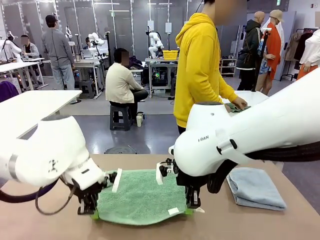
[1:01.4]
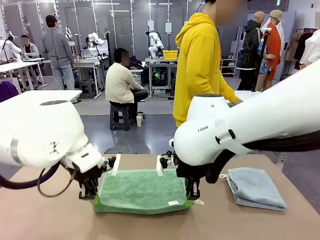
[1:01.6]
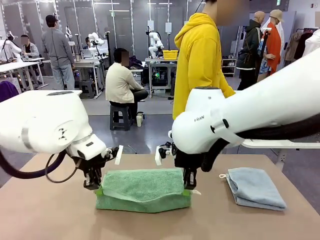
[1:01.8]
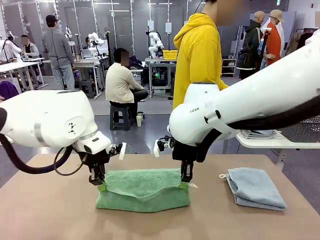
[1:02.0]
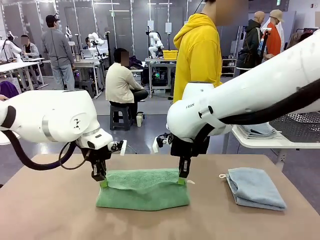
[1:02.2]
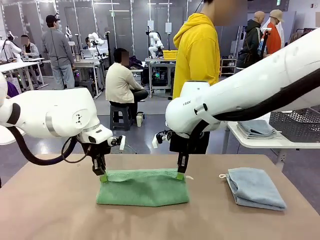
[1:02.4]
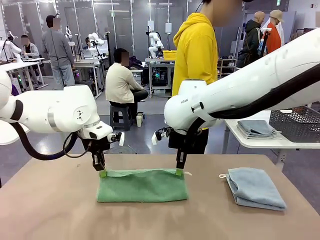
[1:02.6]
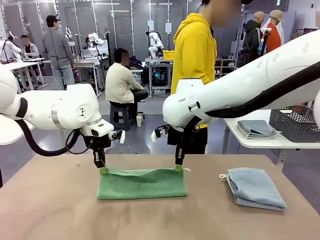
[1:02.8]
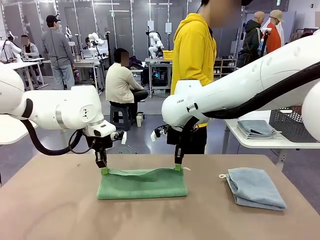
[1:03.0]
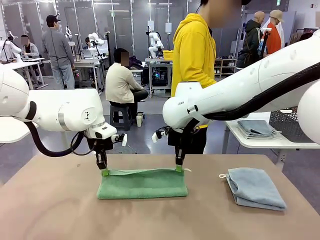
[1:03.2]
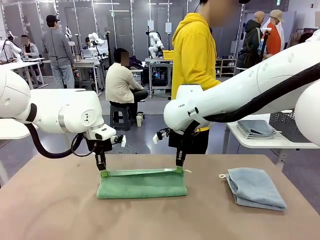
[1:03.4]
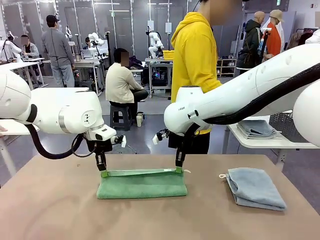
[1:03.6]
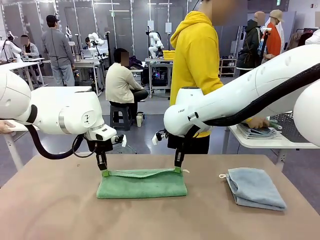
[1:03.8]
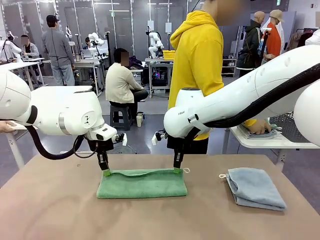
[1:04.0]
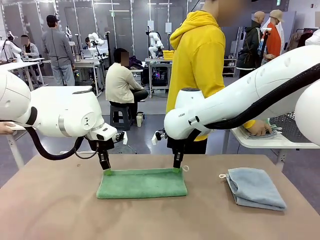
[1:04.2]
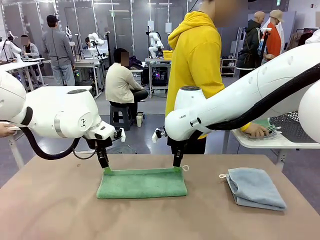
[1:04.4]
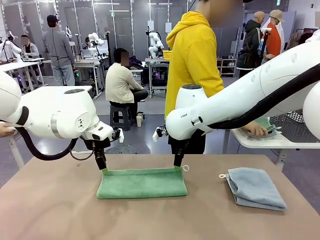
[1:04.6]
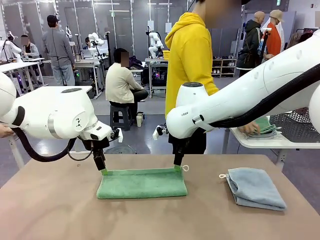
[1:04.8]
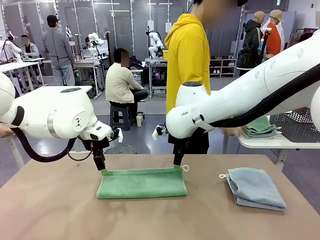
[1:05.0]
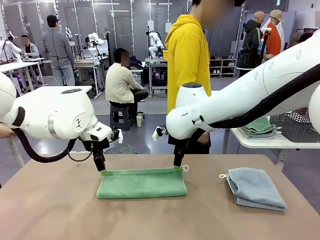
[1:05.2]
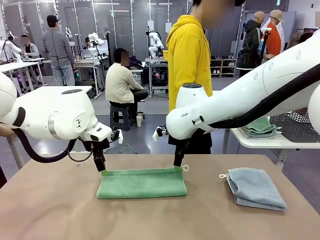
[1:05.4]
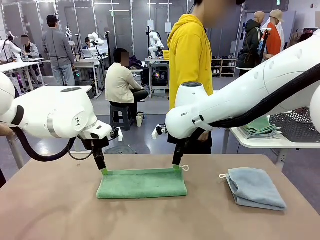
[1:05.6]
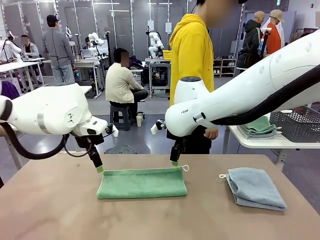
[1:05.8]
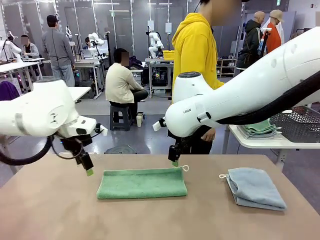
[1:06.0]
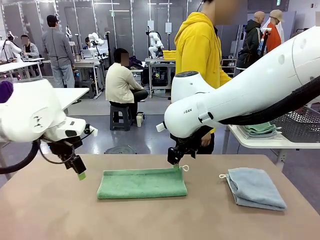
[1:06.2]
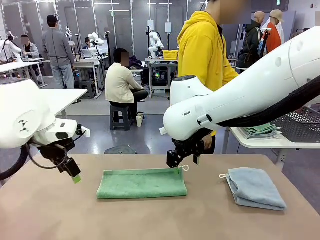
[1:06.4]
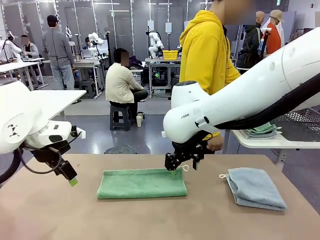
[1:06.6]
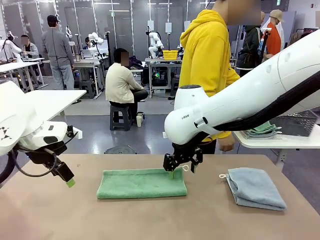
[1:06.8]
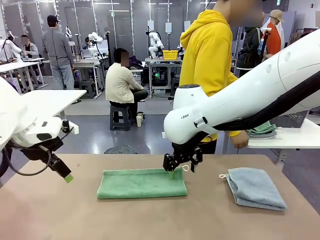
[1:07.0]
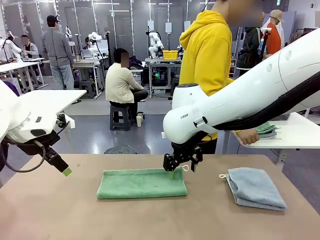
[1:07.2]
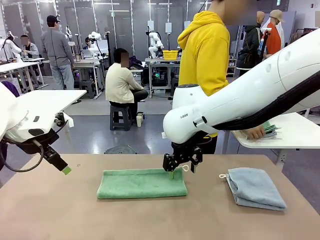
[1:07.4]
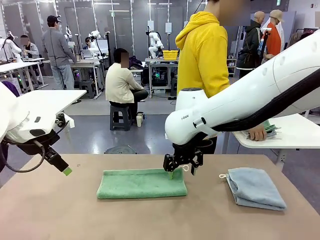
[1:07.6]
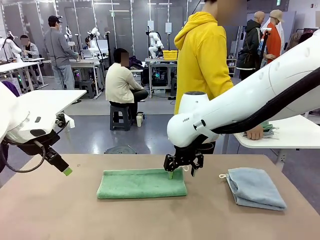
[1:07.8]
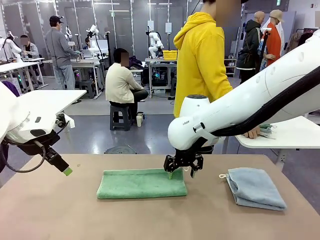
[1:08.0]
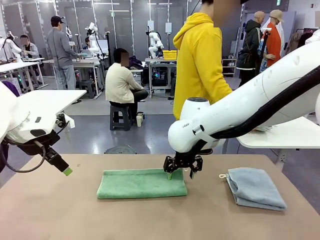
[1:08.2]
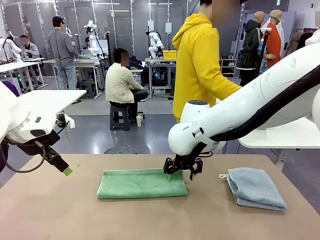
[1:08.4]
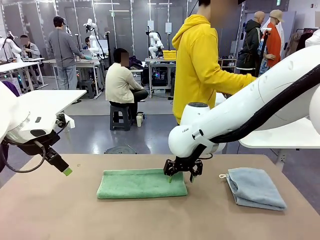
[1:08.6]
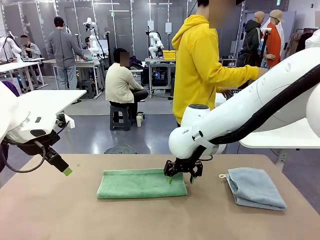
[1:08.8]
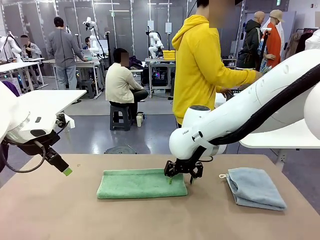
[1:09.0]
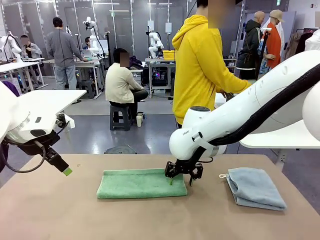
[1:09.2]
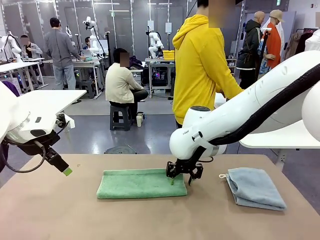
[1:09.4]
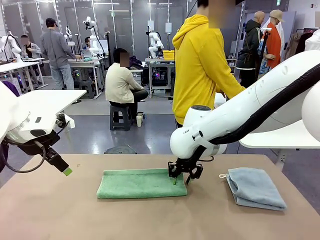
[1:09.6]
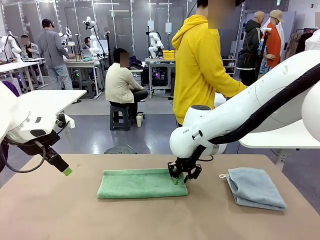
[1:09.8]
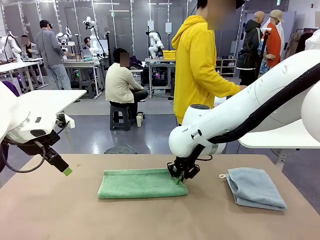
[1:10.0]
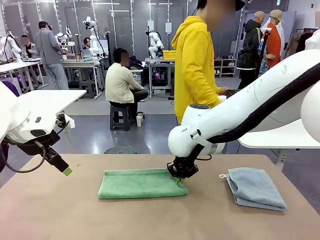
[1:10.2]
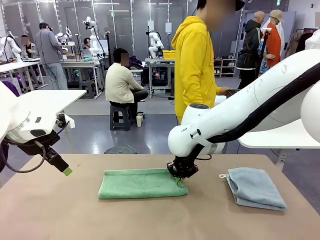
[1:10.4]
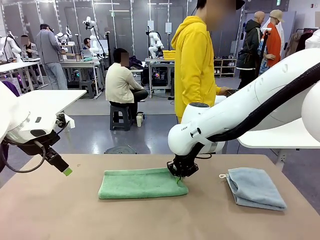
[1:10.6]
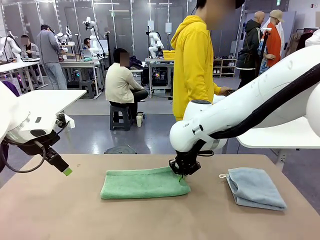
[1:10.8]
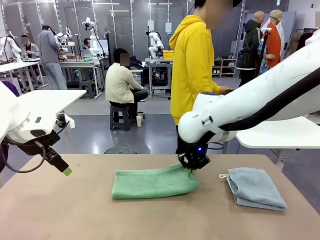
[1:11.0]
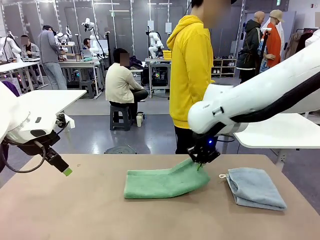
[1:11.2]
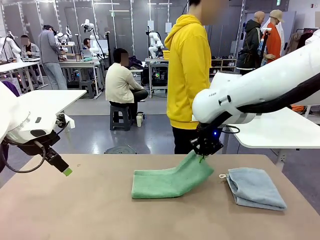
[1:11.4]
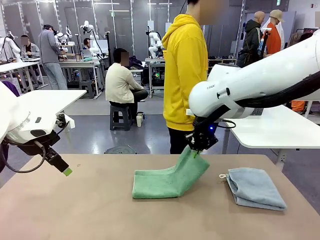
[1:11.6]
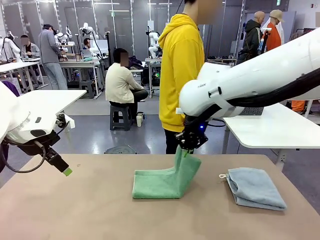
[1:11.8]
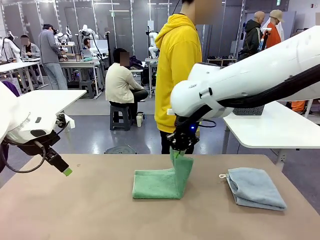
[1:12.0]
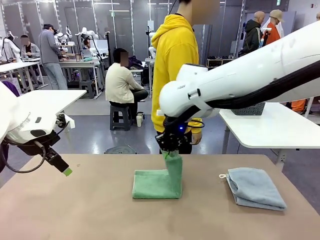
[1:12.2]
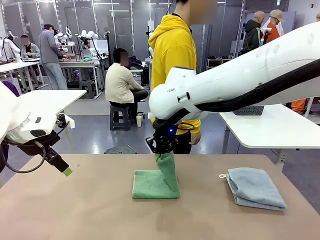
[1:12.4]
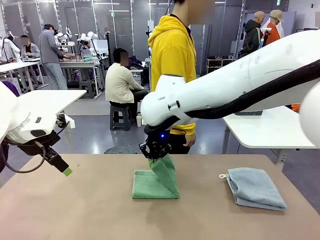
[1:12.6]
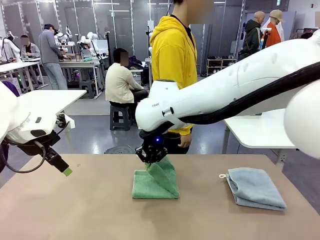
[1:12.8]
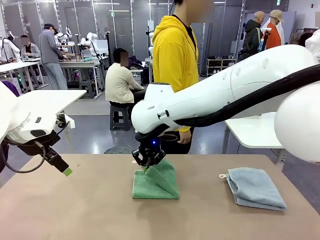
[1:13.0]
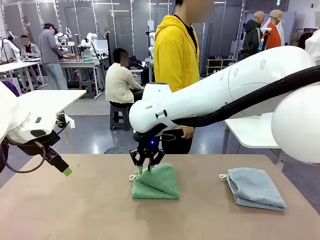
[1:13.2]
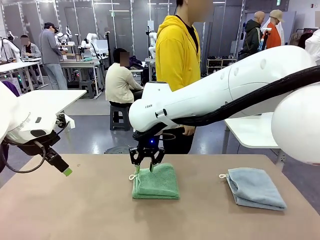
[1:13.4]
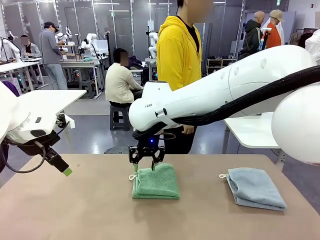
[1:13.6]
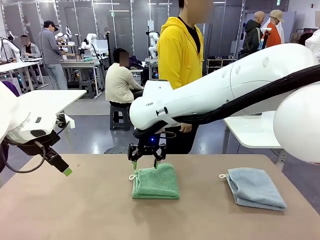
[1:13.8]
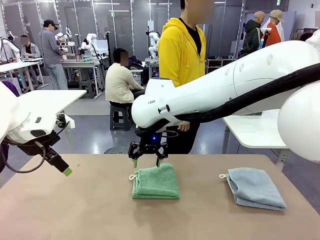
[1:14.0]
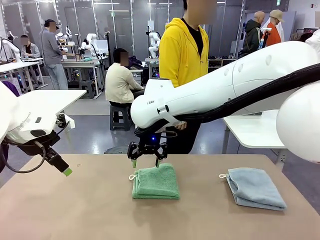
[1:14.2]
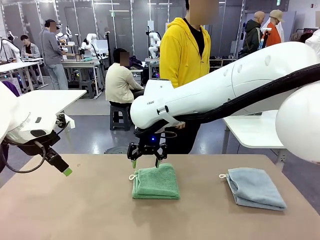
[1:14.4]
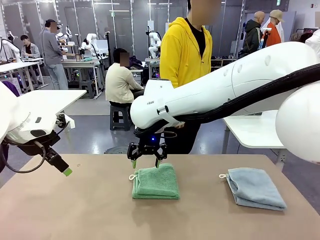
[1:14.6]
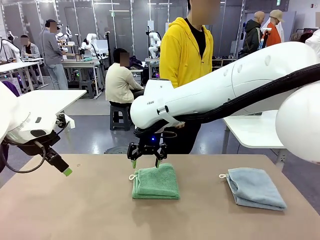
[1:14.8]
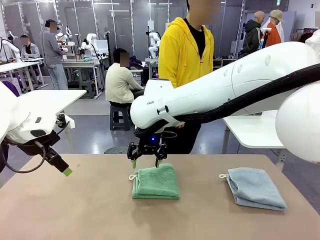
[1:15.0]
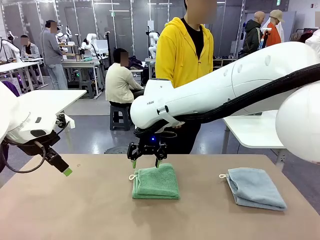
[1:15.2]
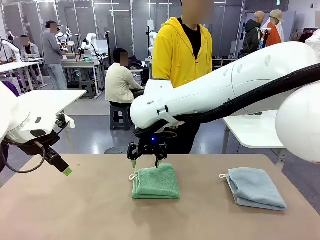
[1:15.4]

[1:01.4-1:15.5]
Task: Fold the towels and place them in the basket.
Robot: When a person lays out a Towel with hook on the table, fold it in half twice.
Person: Pick up the stack of towels from the right side of the human table, place it into the basket, and put the basket at the center of the table.
